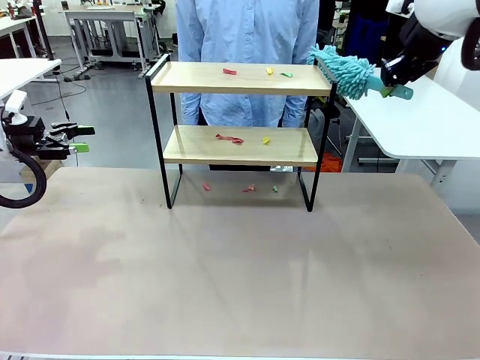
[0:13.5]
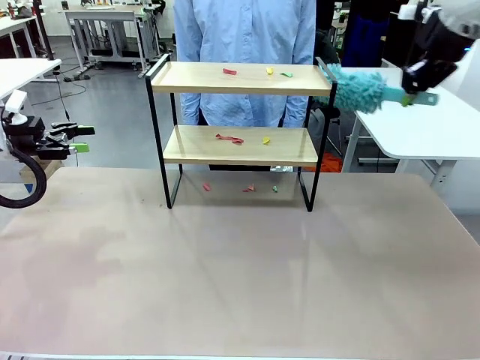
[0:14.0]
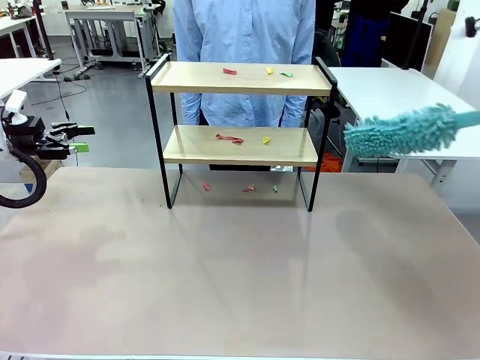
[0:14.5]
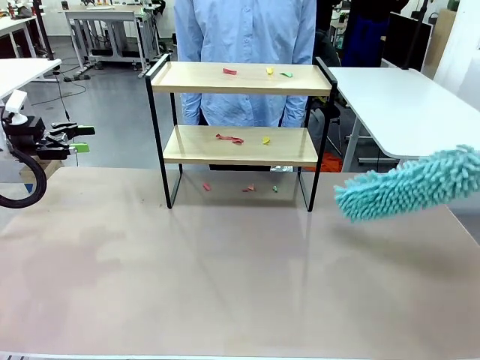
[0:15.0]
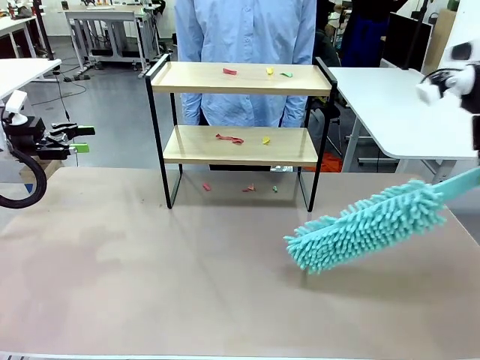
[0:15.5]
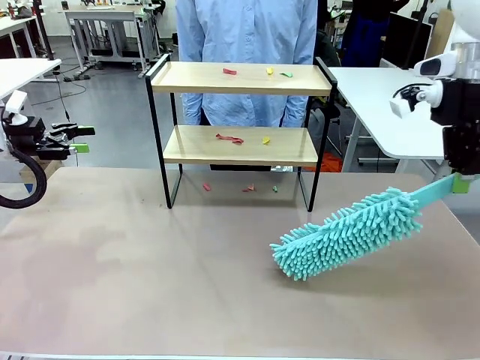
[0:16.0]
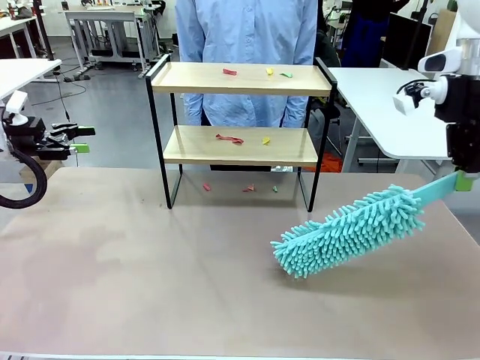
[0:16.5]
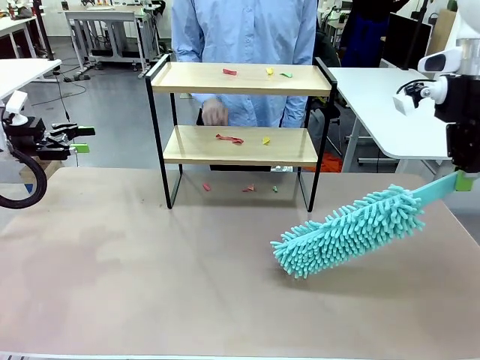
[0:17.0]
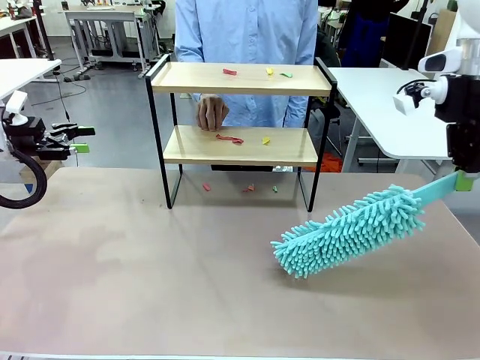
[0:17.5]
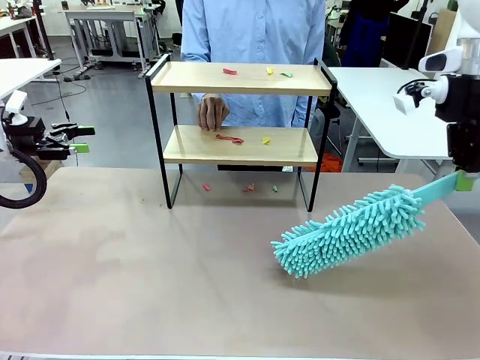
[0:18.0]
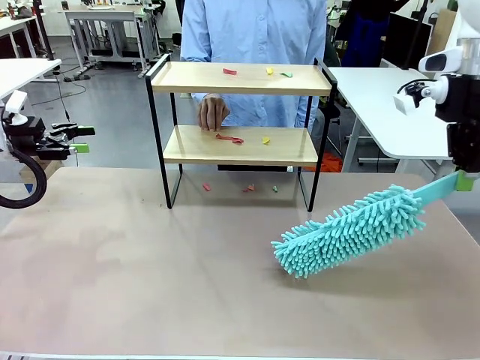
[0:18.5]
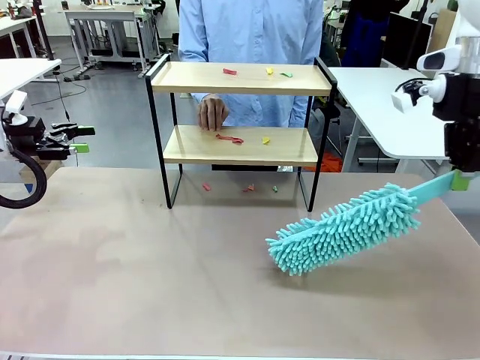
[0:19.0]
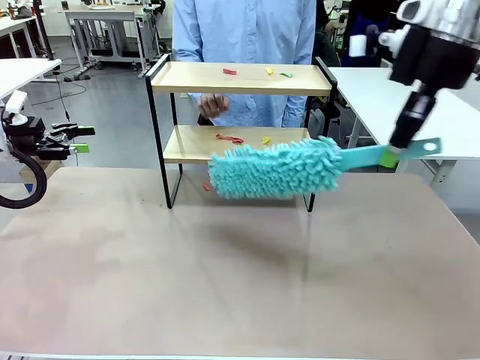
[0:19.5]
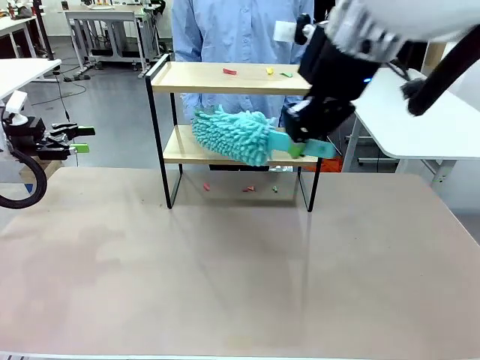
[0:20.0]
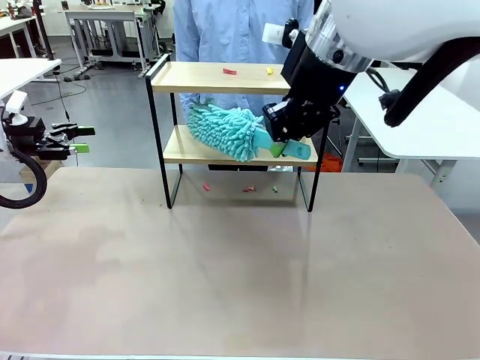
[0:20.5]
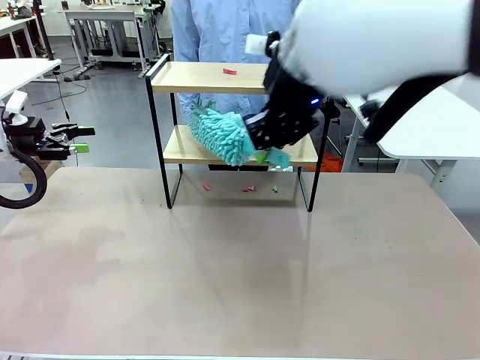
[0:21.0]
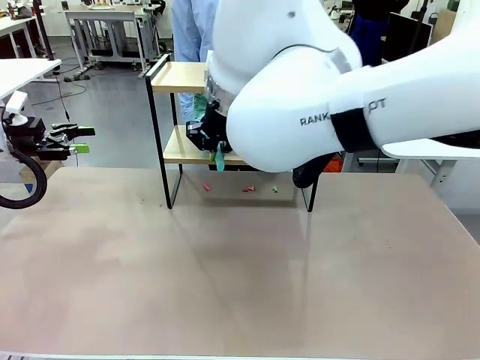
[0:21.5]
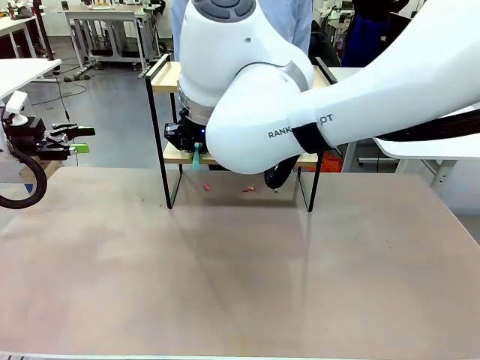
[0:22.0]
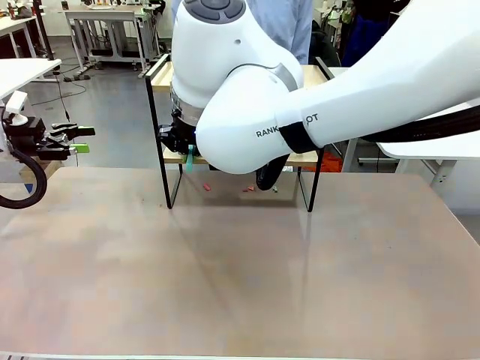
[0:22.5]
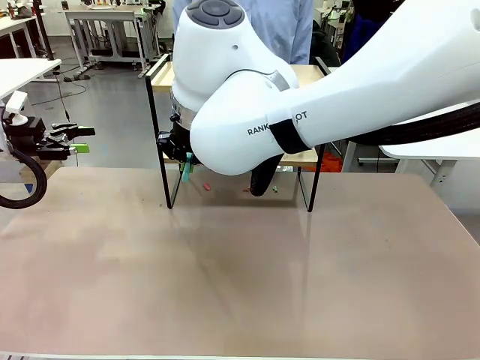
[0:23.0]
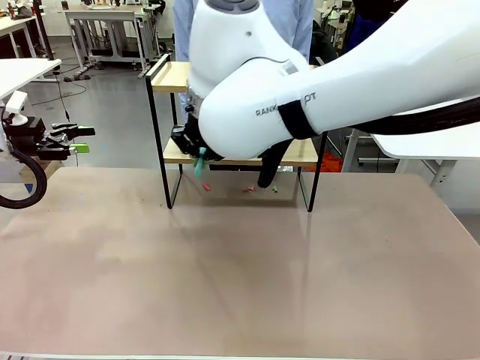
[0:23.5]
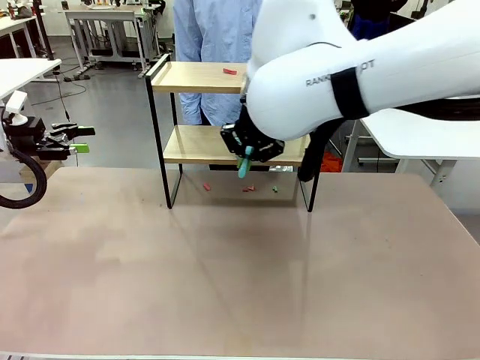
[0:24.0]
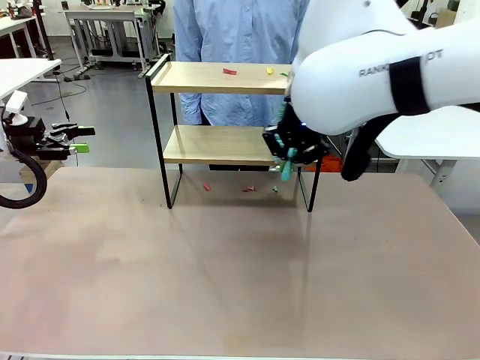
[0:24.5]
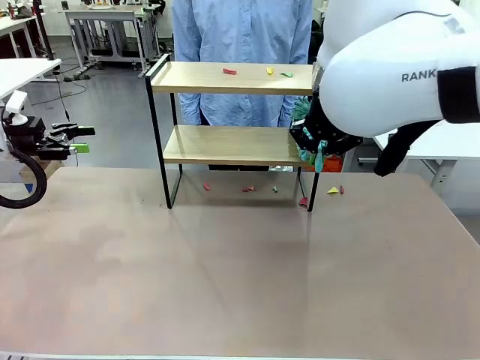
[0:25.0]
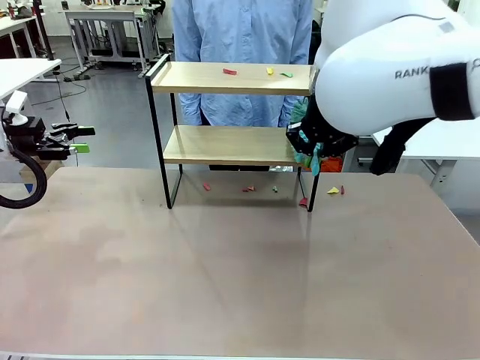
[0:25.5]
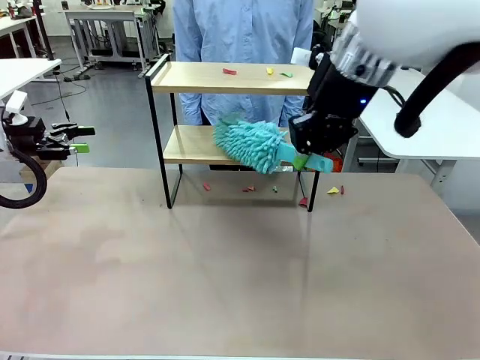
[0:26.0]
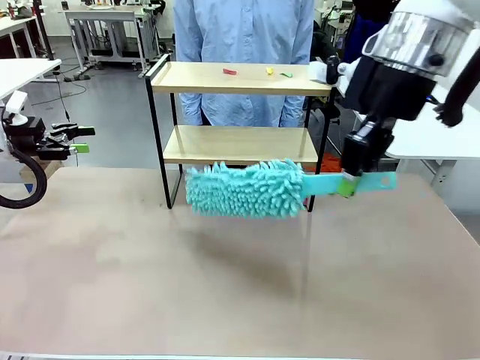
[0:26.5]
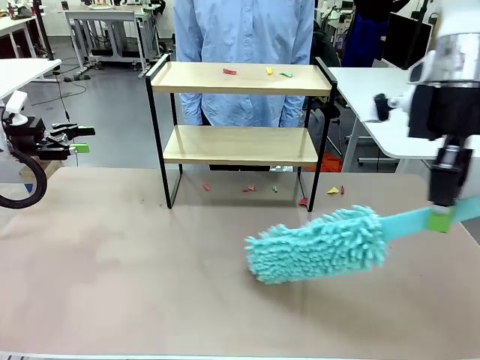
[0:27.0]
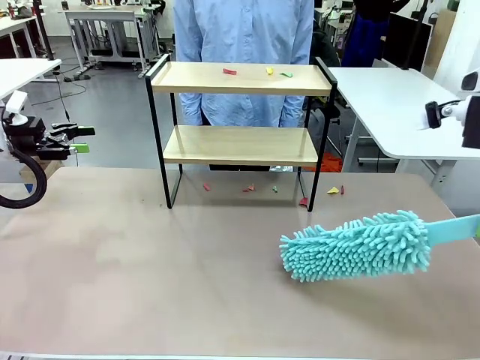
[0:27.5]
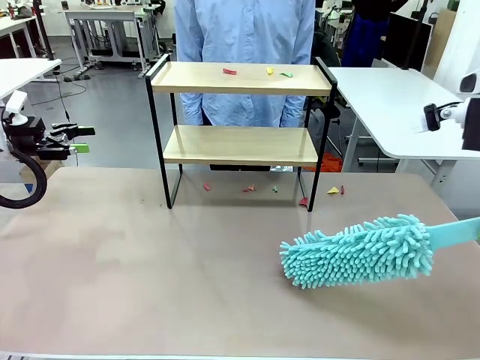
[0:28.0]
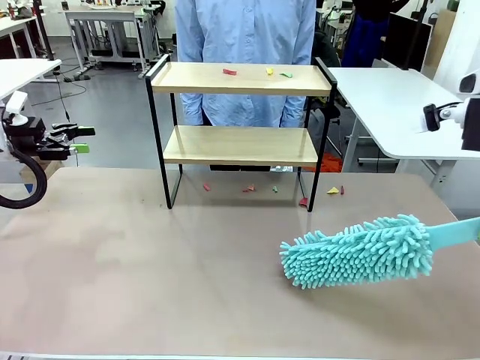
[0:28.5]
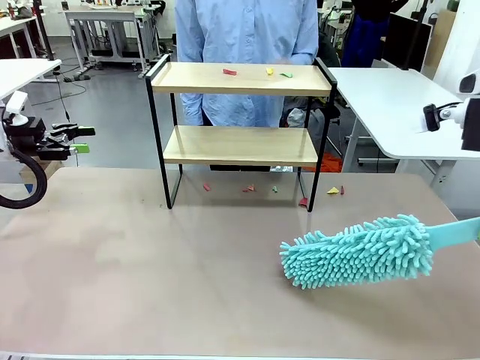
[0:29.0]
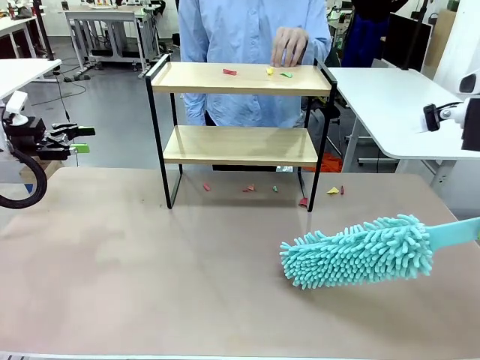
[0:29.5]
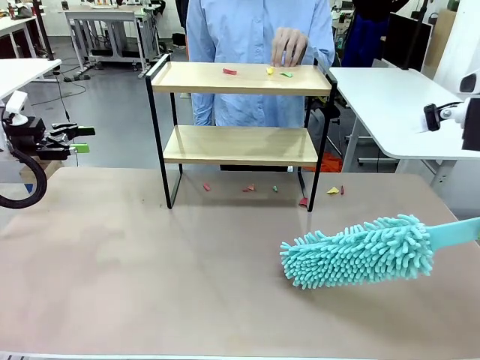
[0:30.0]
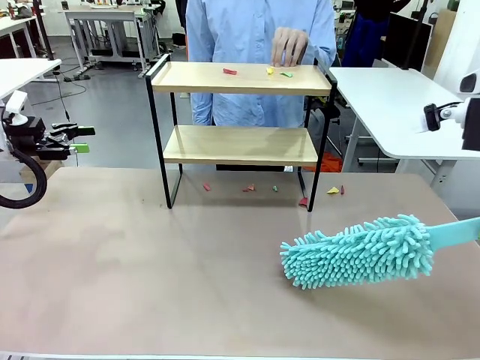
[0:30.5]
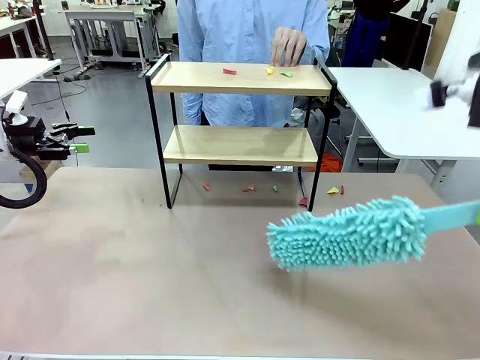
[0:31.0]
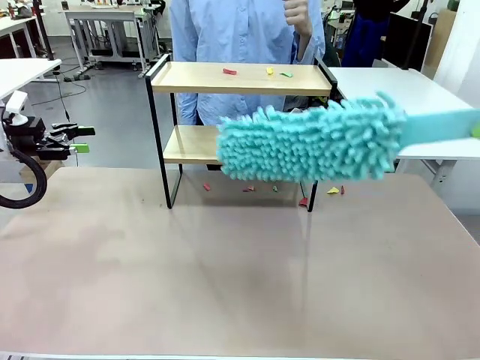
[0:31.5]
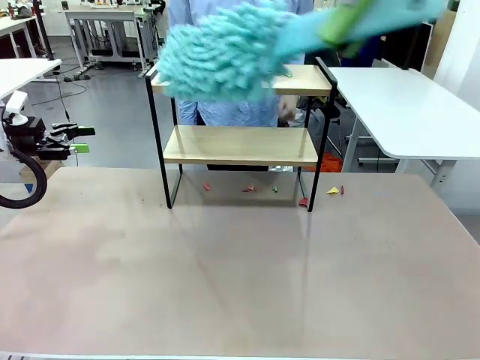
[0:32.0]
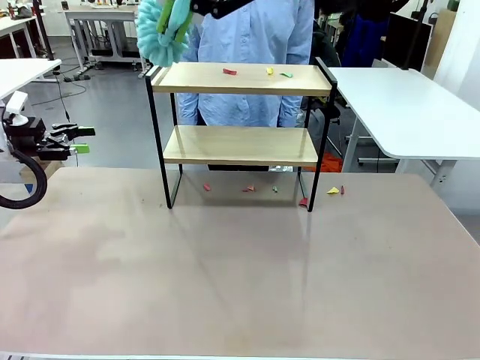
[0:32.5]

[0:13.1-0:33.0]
Task: Clean the shelf.
Robot: Clean the specific section of the Shelf indicated by the human with the Duster.
Person: Point a random section of the Shelf.

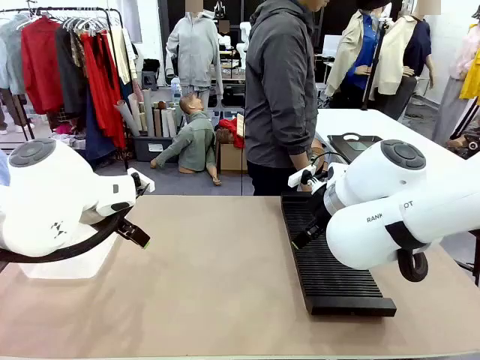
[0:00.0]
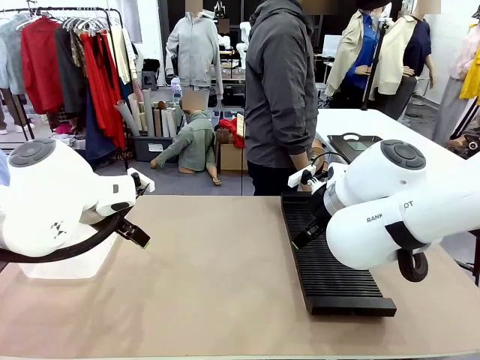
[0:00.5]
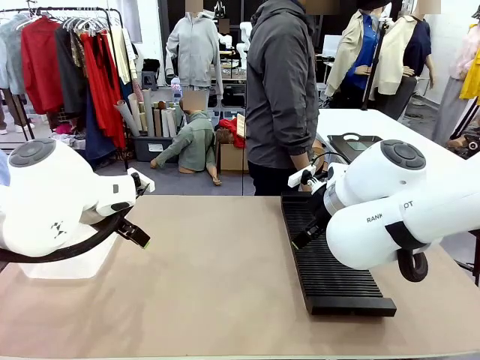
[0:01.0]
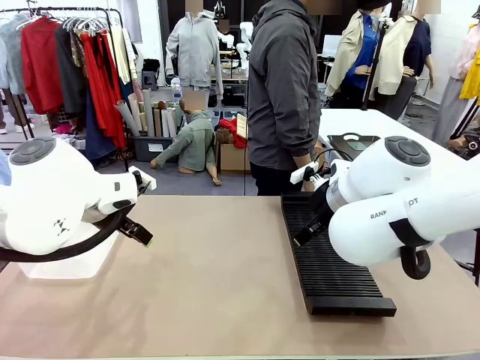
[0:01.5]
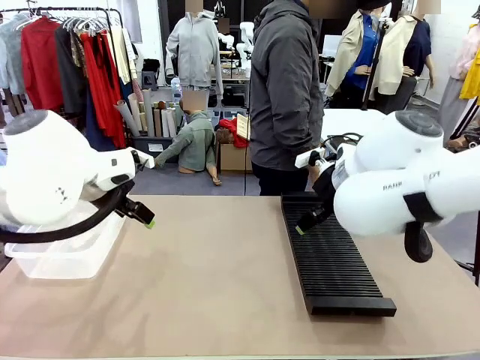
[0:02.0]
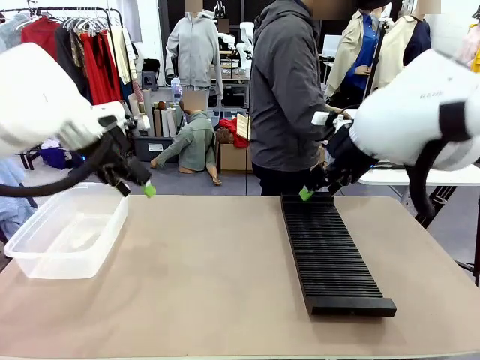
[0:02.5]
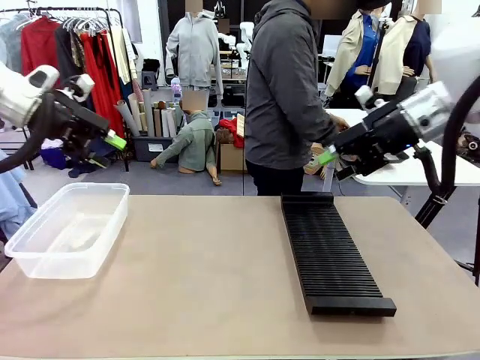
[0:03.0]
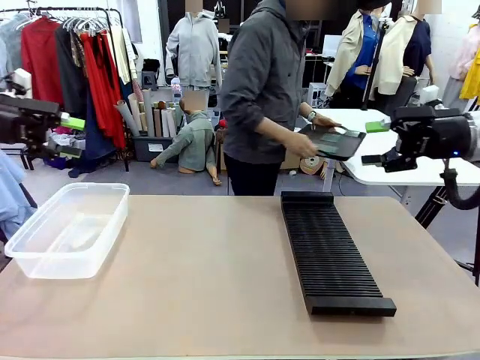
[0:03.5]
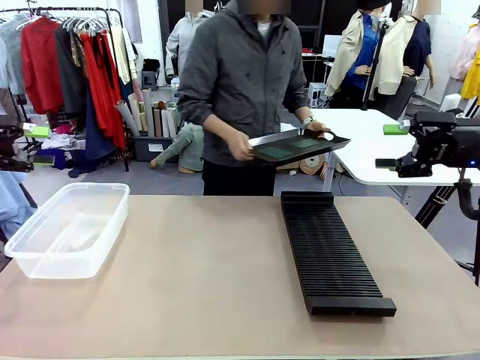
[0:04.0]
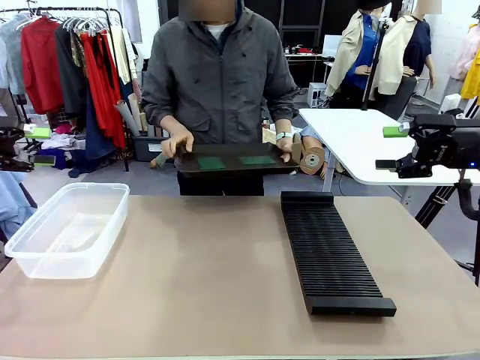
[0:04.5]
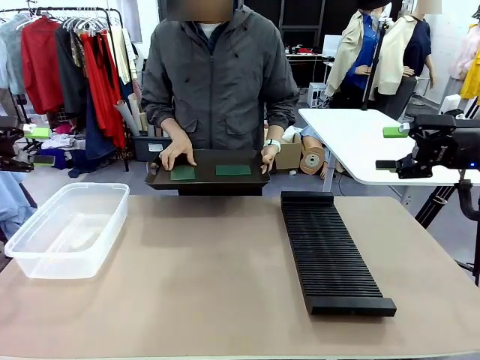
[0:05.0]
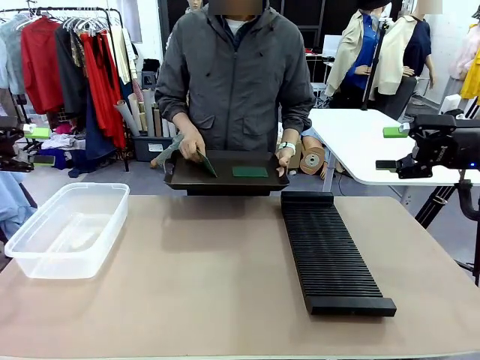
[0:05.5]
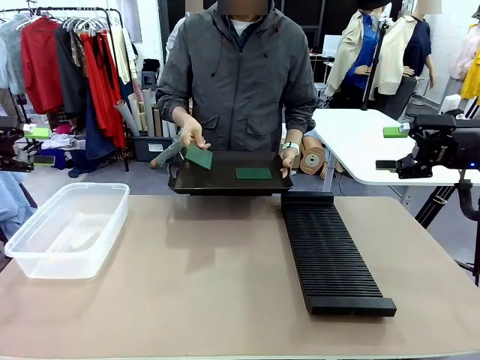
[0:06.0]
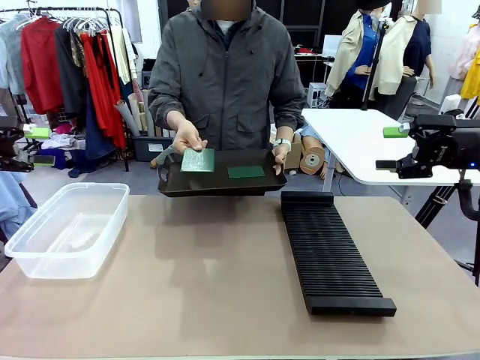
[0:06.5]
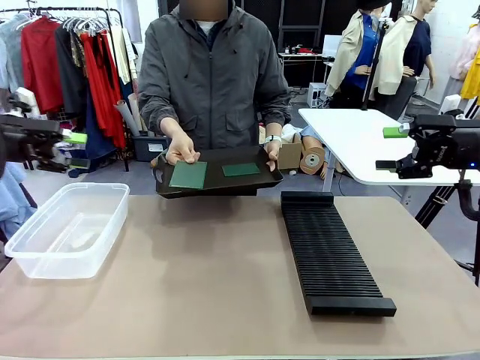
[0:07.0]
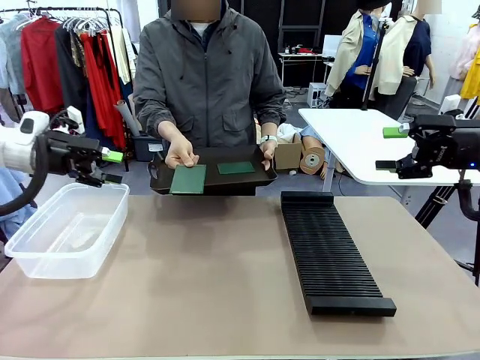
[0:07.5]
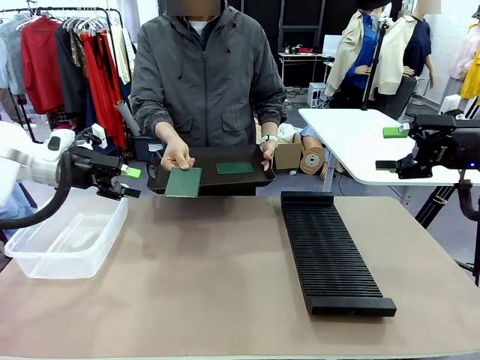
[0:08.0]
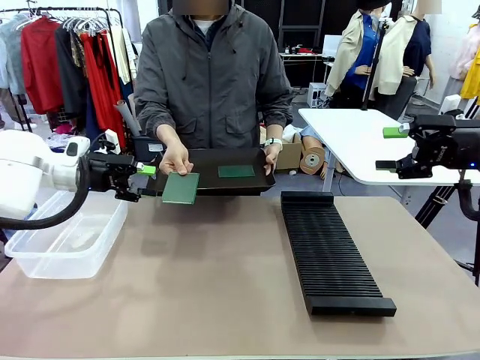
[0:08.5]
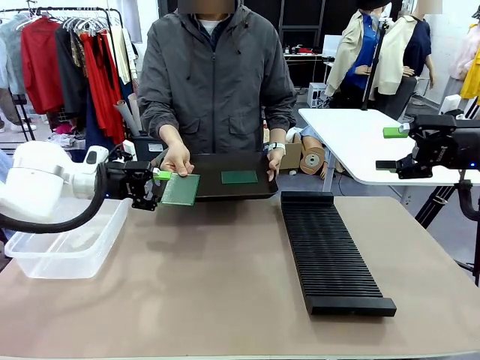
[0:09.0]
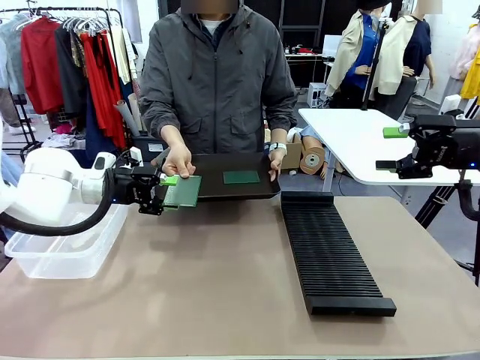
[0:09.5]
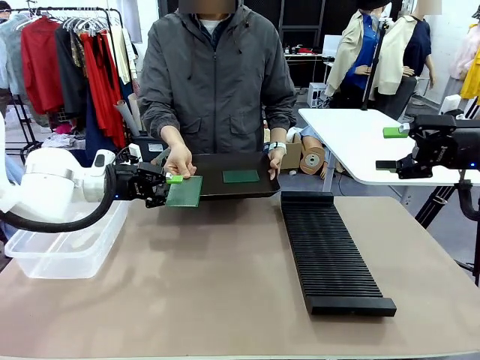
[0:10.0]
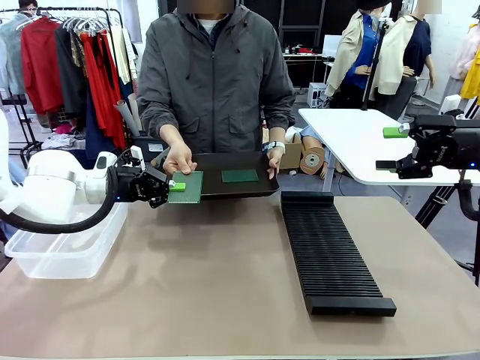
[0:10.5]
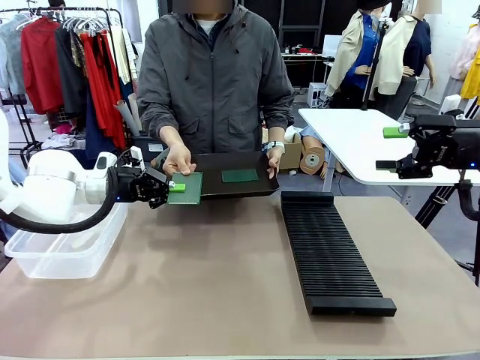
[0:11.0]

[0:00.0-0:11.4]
Task: Sort PCBs into racks and boxes based on the side picked up.
Robot: Pick up the Blank PCB handed by the Human.
Person: Pick one PCB from the tray and present it to the robot. Release the PCB being held.
